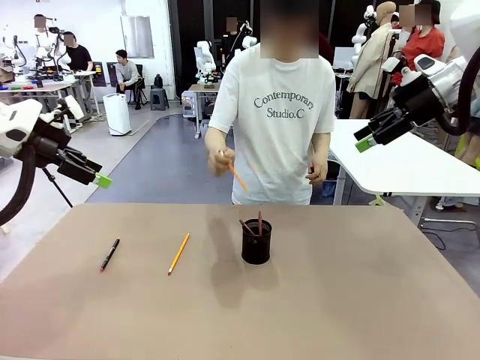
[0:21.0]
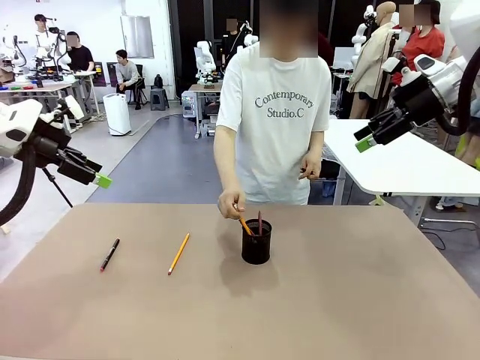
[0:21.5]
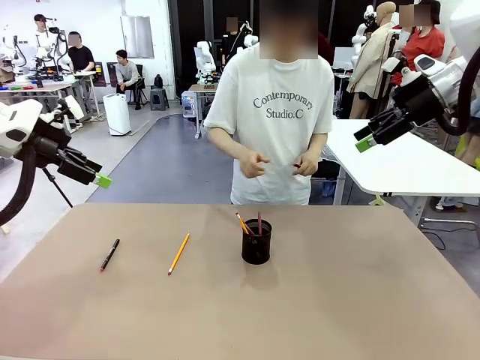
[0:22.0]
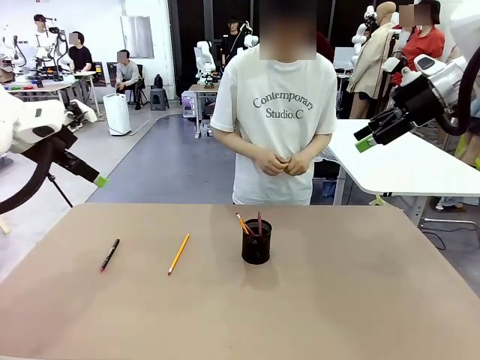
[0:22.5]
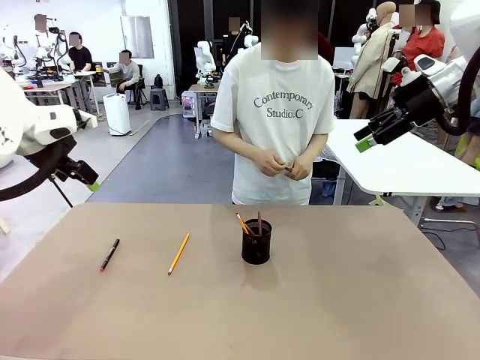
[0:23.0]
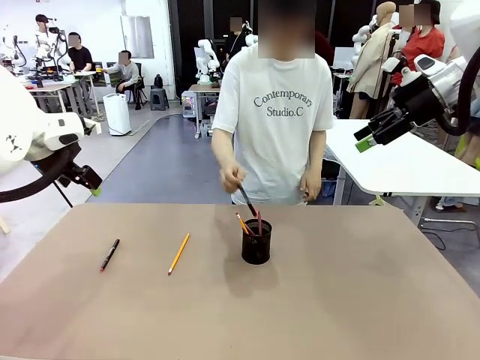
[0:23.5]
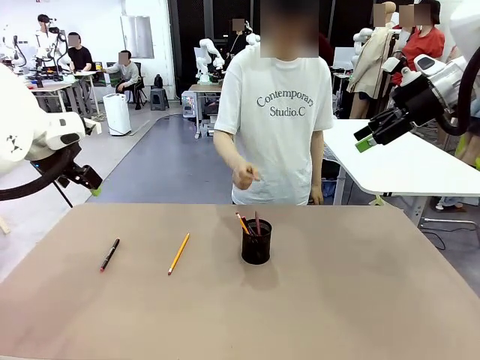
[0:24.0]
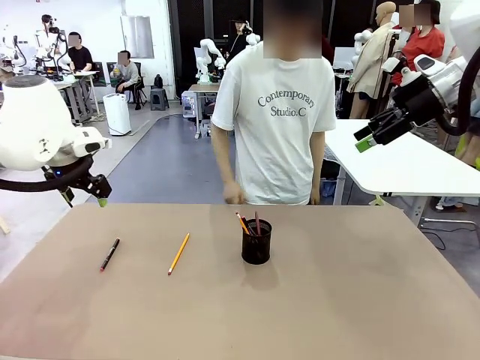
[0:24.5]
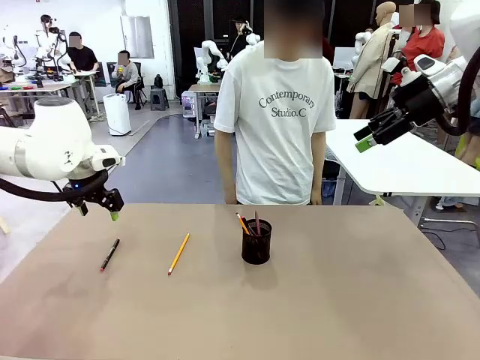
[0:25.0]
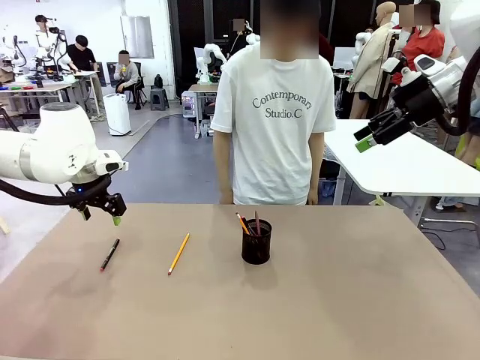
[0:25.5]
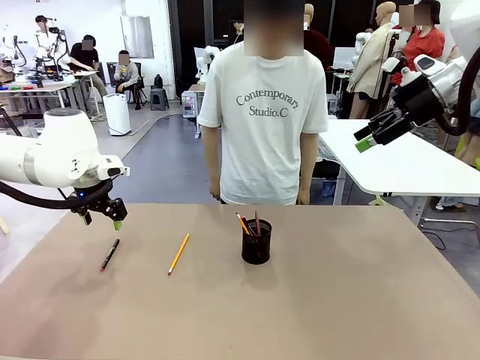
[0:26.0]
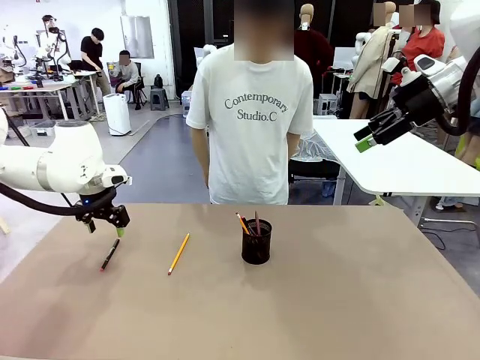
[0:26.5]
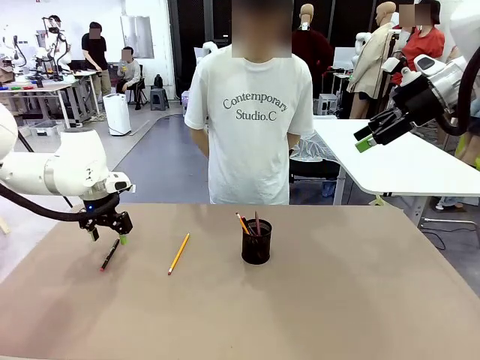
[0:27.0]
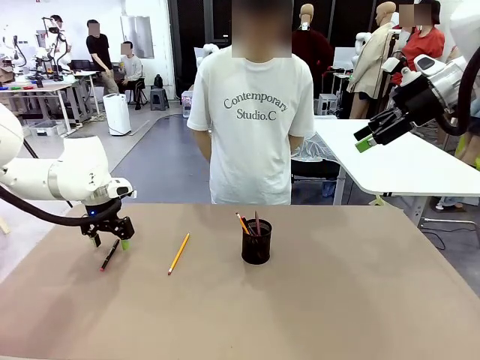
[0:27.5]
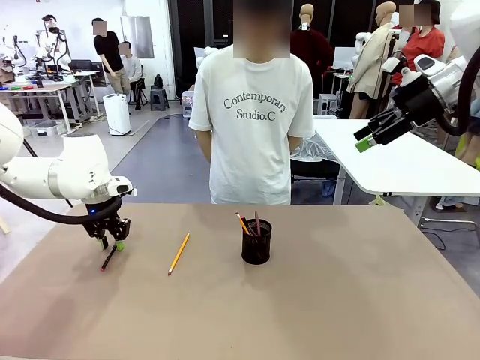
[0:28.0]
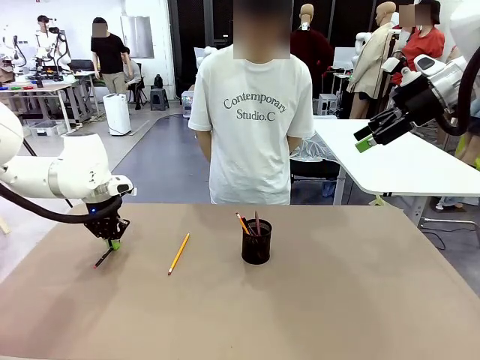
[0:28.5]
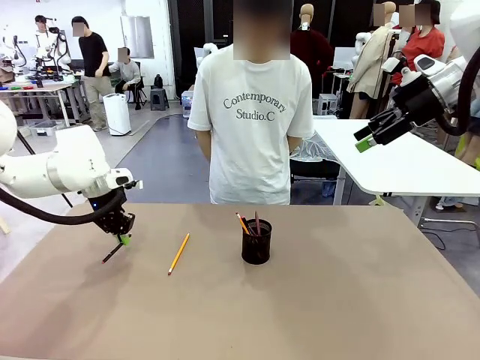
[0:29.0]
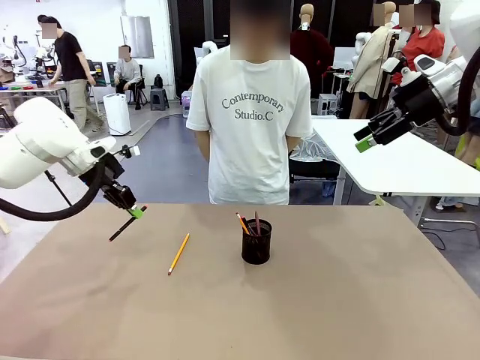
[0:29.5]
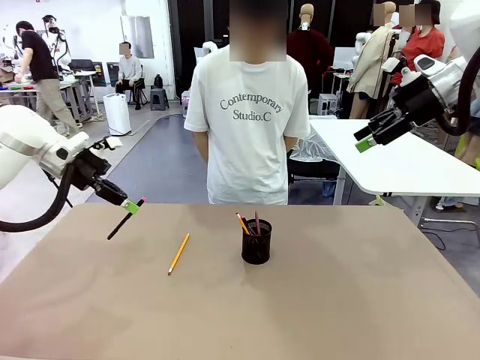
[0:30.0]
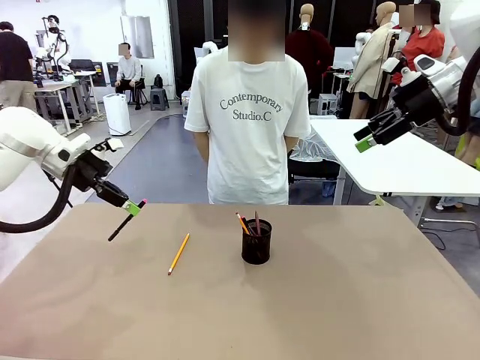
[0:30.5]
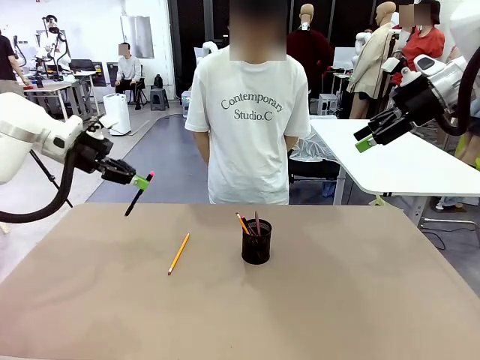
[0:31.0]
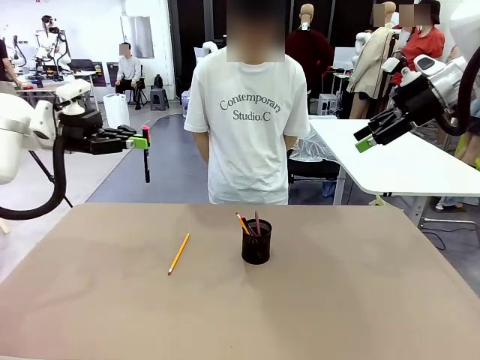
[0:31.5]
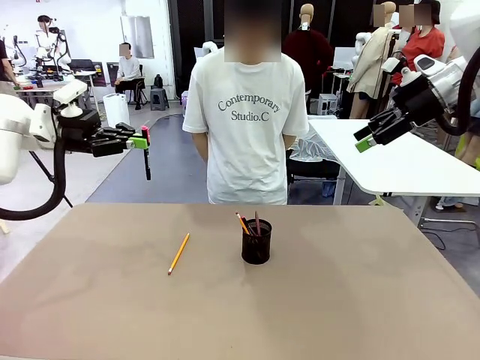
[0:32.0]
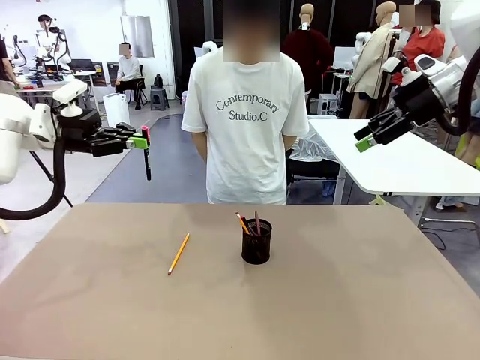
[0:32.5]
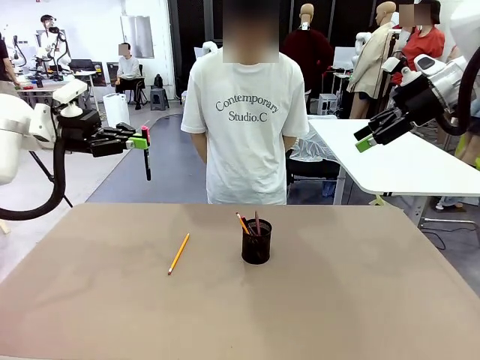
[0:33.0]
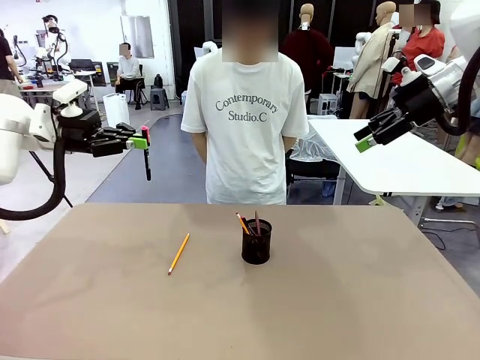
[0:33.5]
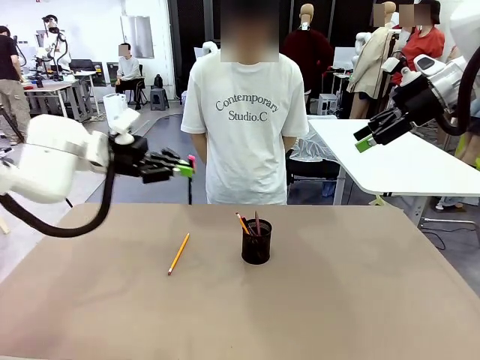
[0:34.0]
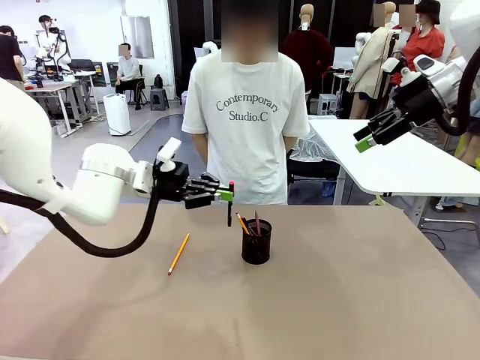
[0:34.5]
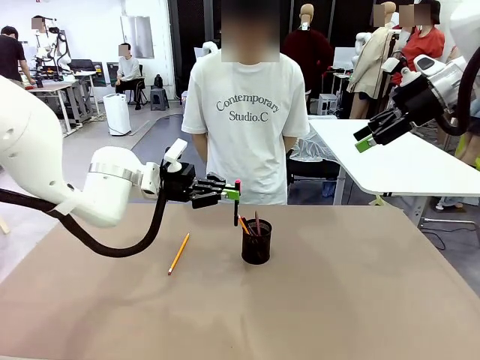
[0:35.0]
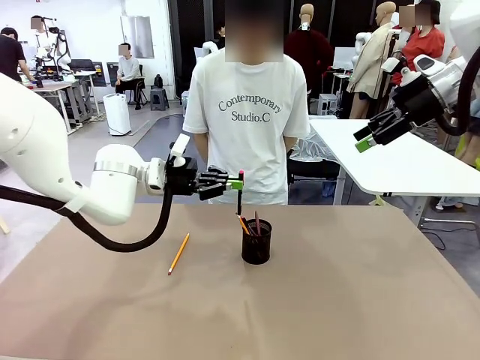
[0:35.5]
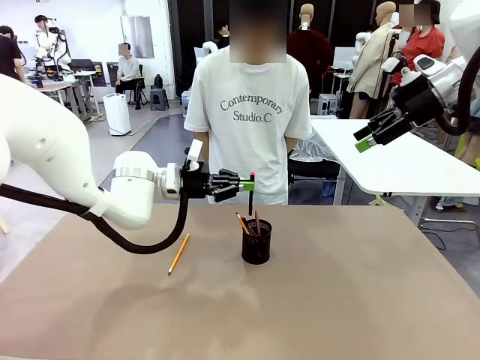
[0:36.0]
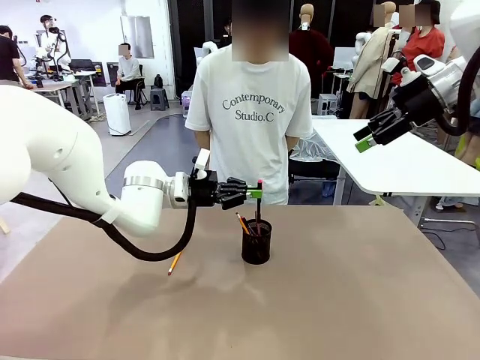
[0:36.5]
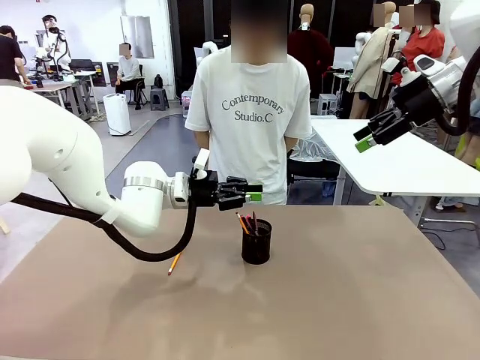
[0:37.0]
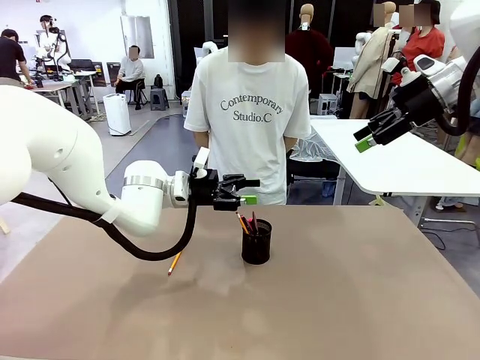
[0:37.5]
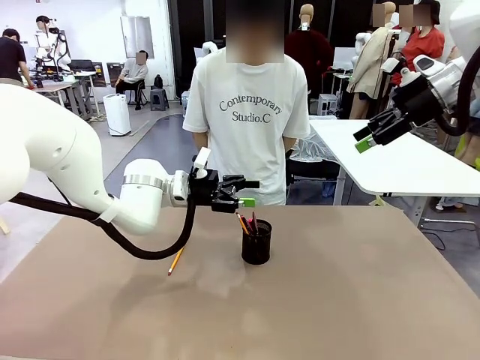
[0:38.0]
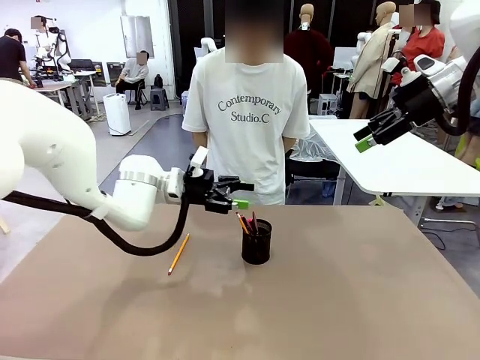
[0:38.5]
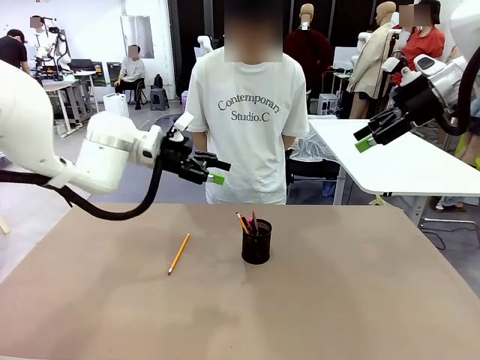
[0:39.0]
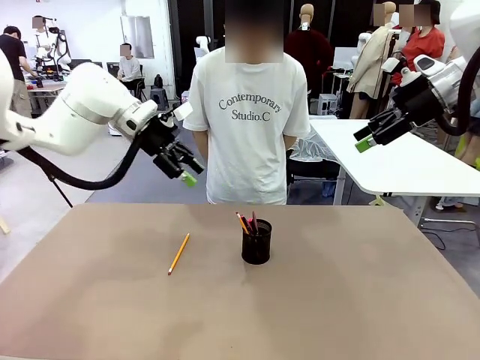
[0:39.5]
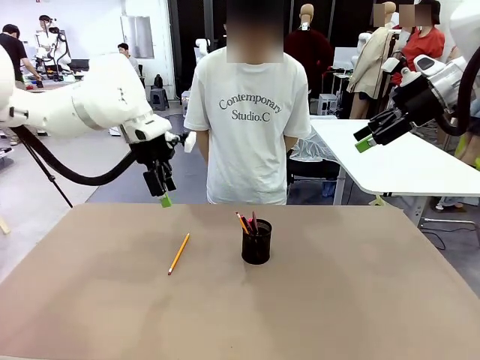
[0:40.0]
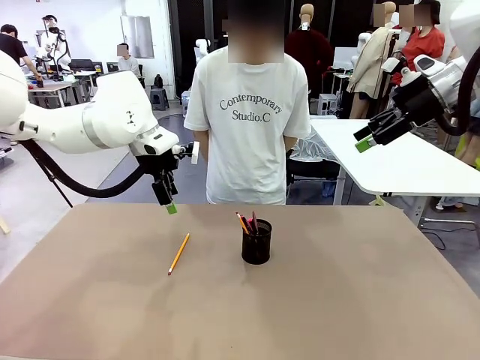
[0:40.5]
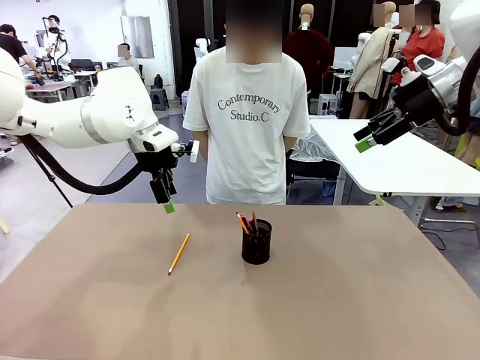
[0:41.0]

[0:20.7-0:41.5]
Task: Place the pens into the pen holder.
Robot: Pick up a writing instrument from the table and place it into the Pen holder.
